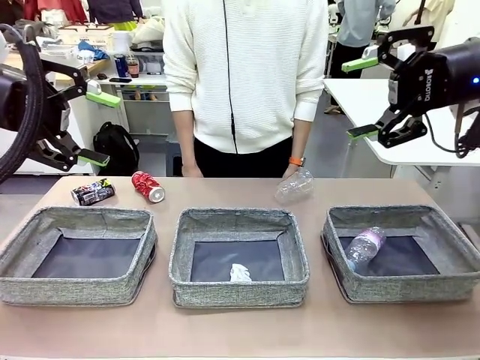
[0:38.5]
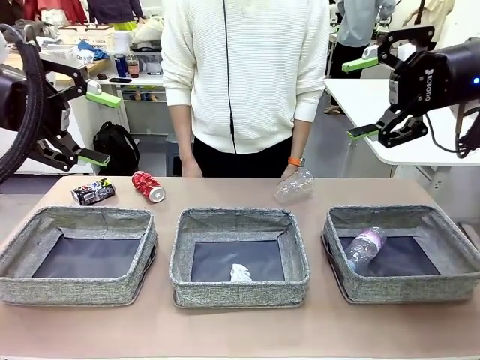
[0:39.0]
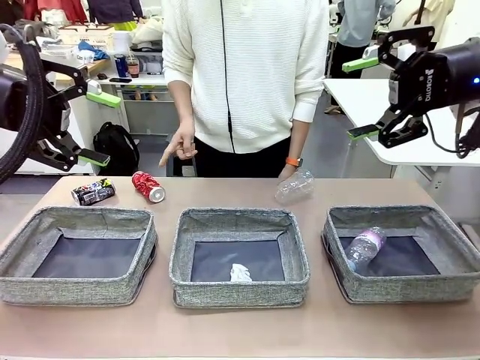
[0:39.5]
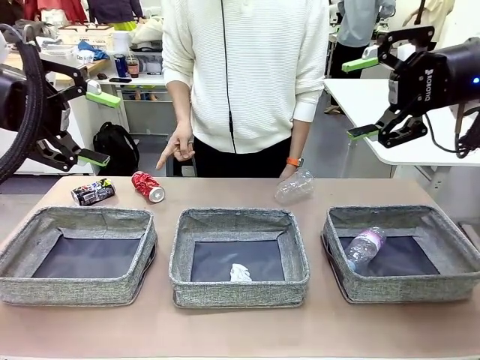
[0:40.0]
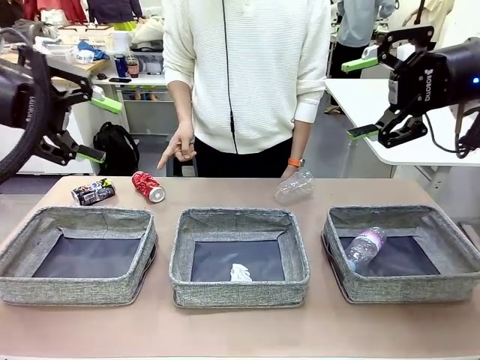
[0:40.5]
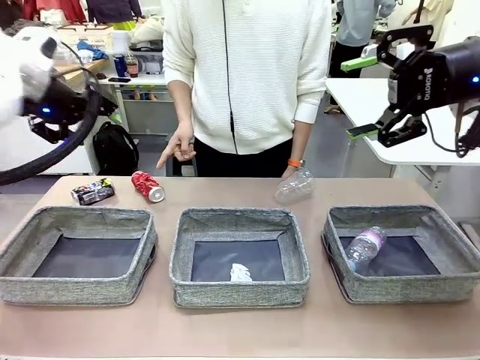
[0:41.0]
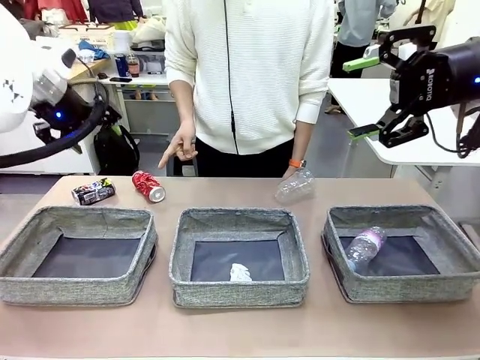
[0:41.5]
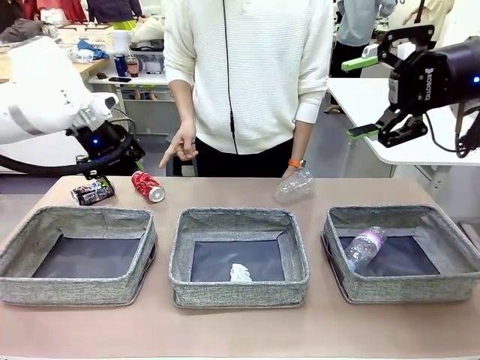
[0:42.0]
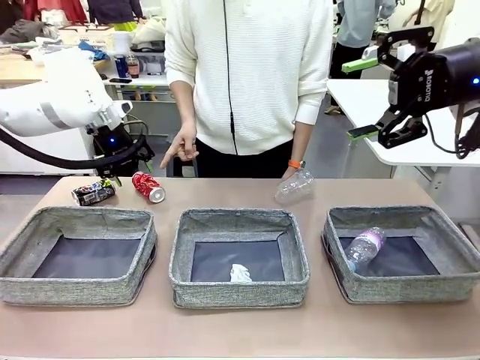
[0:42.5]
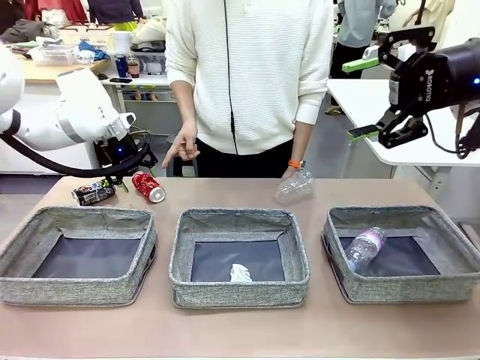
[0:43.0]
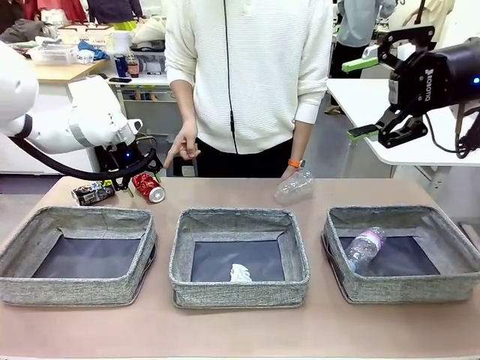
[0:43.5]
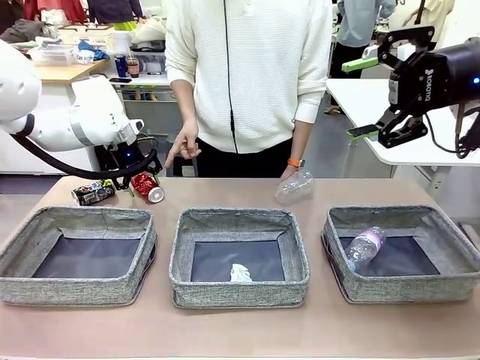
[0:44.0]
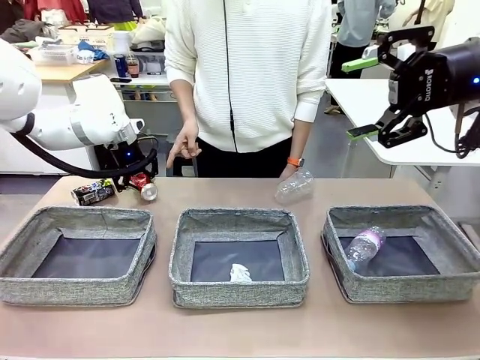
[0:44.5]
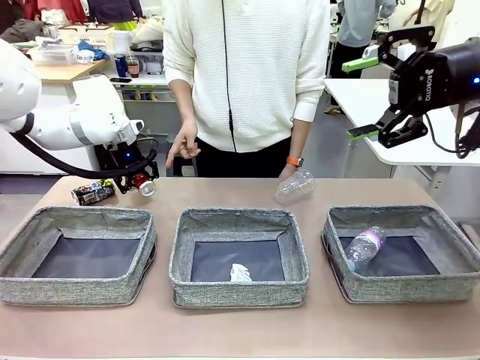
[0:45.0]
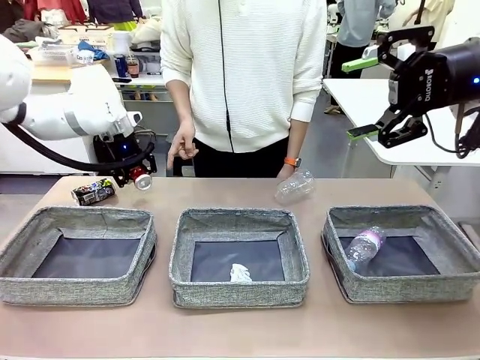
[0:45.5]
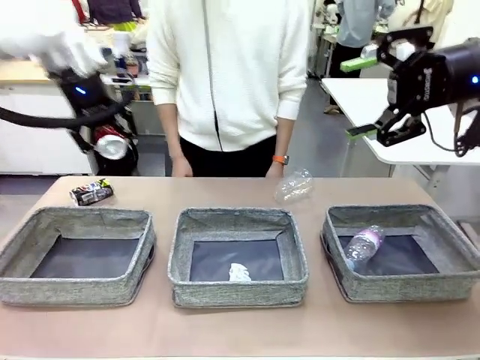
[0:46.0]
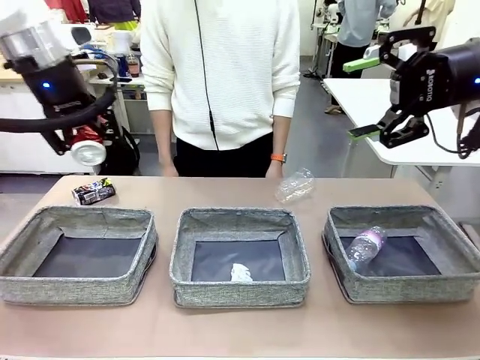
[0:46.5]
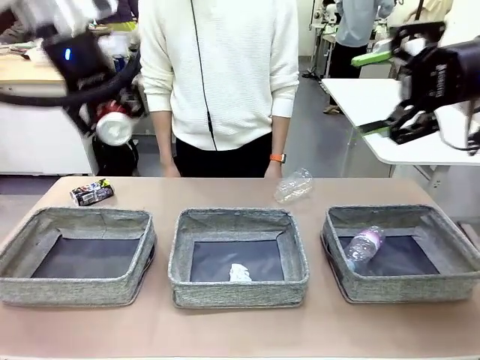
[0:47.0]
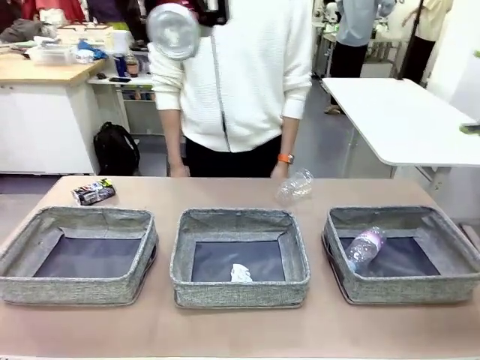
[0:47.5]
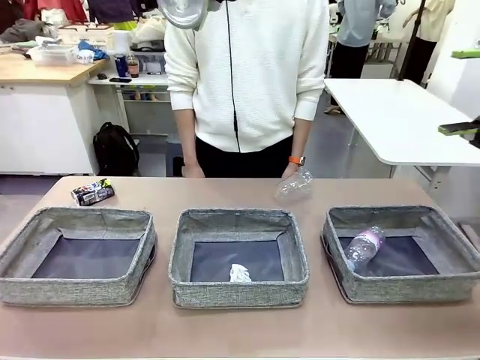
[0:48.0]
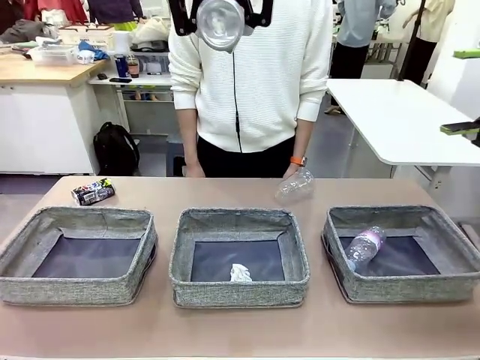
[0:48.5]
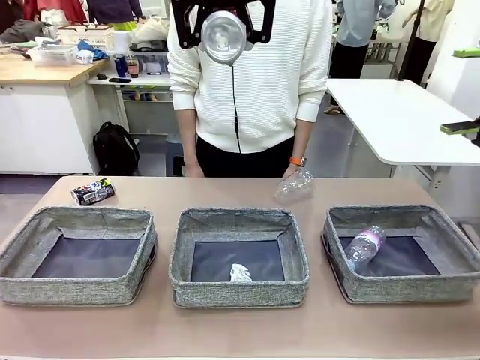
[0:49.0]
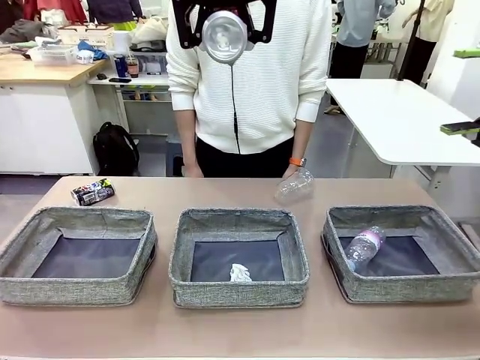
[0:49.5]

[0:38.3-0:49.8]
Task: Sort the waste into the appropriate baskets.
Robot: Pick up the waste item pointed out by the person.
Person: Points to one piece of trash on the table.

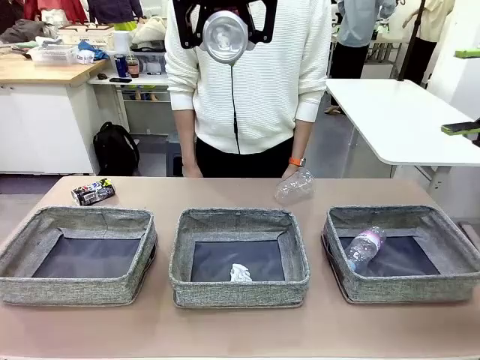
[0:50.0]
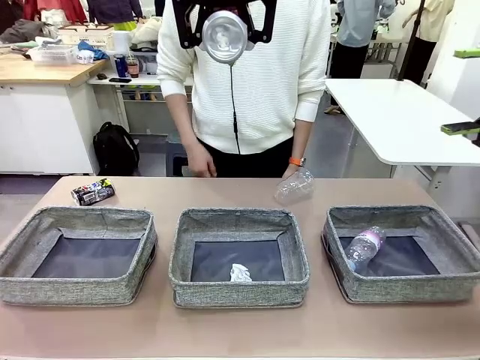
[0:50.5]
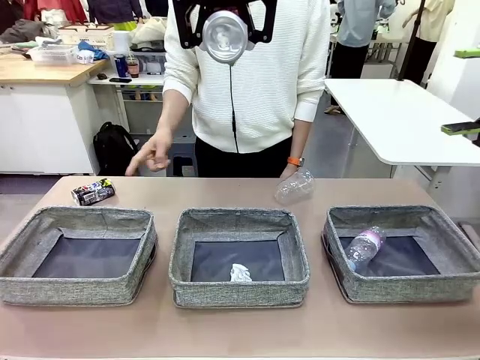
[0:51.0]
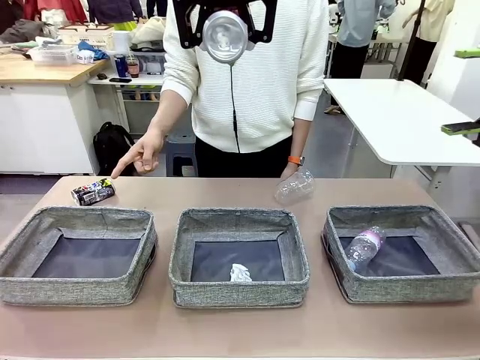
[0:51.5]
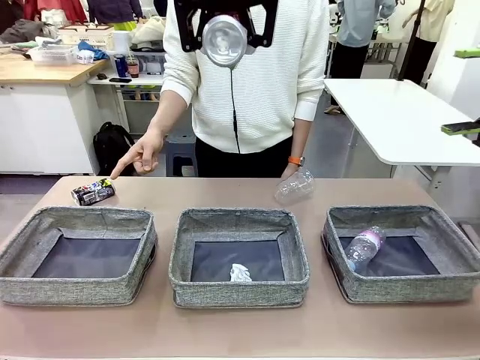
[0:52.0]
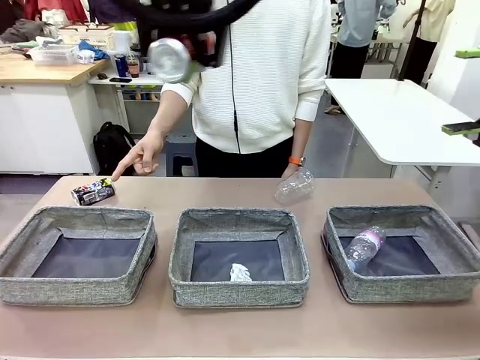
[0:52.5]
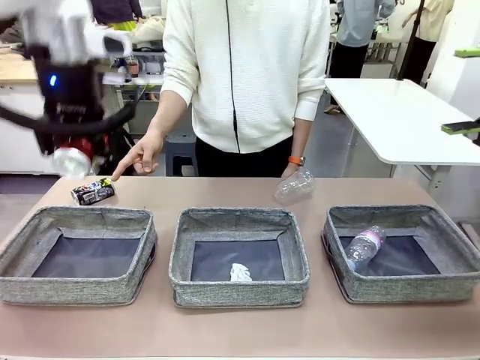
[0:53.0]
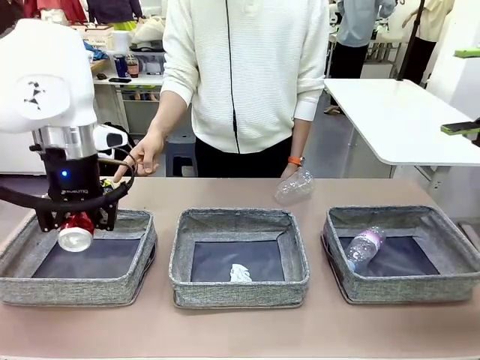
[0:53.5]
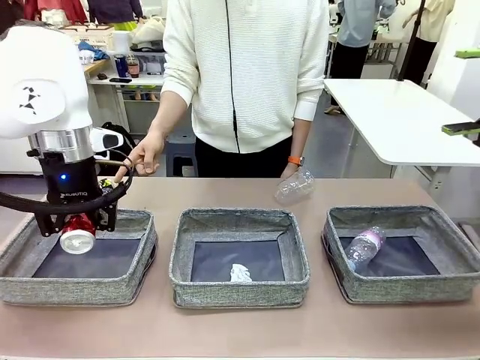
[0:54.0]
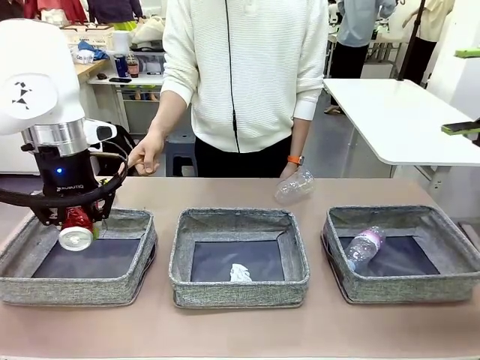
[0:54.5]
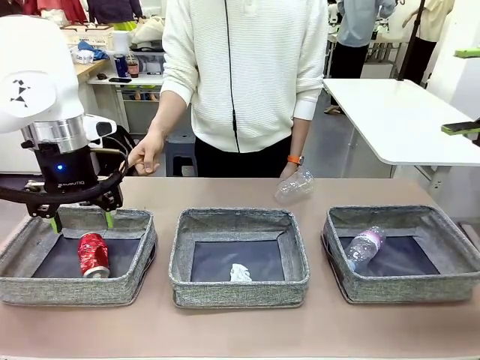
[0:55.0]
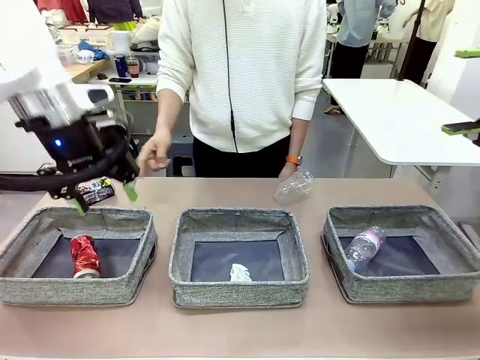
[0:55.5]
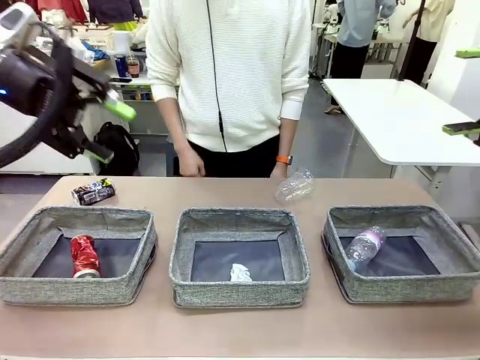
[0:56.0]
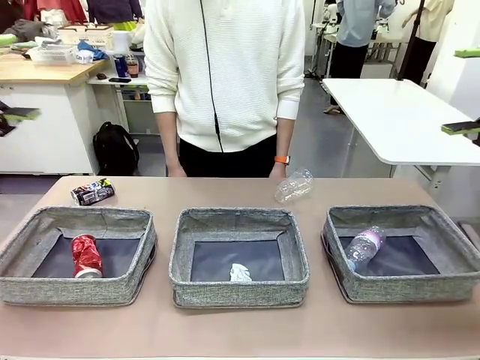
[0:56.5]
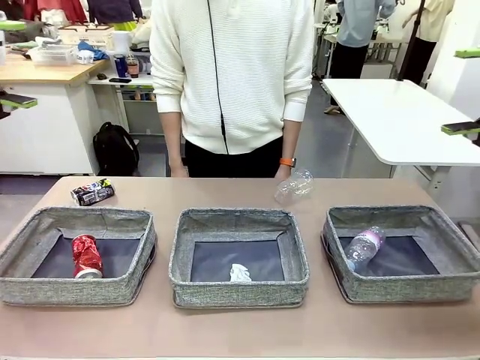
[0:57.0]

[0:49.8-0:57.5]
Robot: Place the picked waste into the Fabric basket indicated by the person.
Person: Instructs the robot to place the picked-up trash into the appropriate organizing basket.

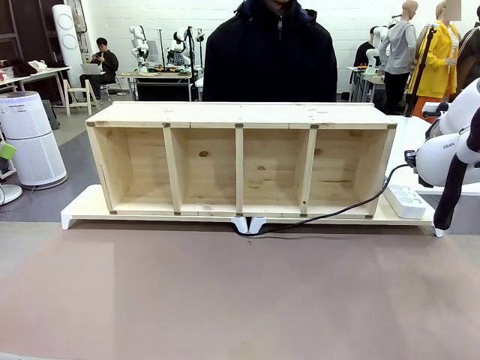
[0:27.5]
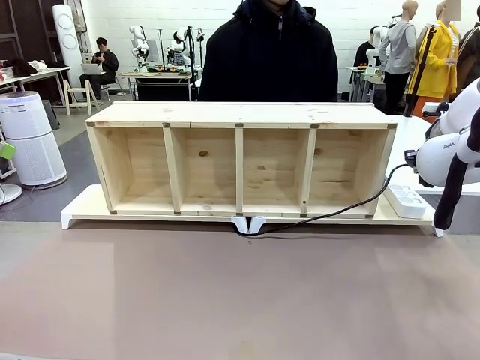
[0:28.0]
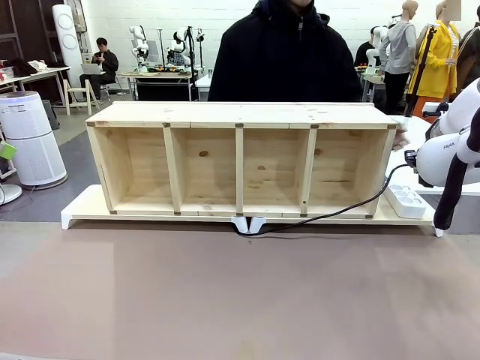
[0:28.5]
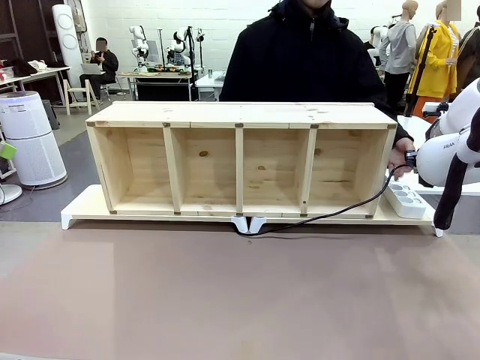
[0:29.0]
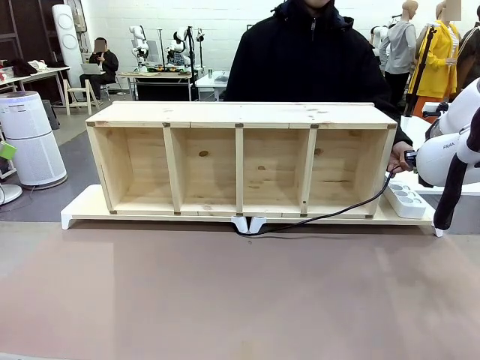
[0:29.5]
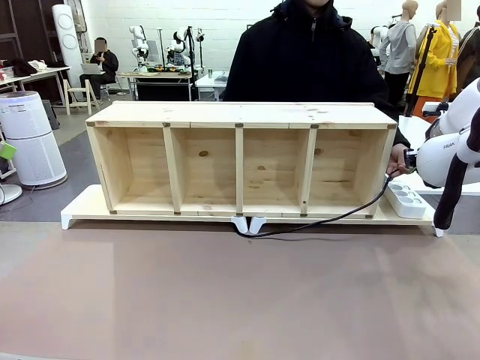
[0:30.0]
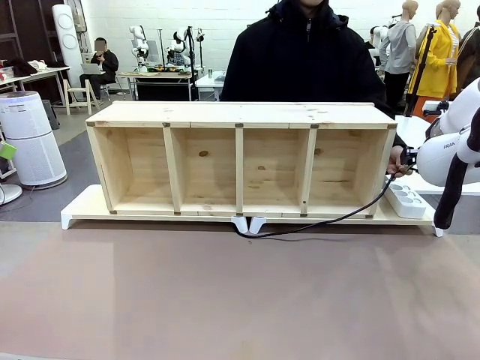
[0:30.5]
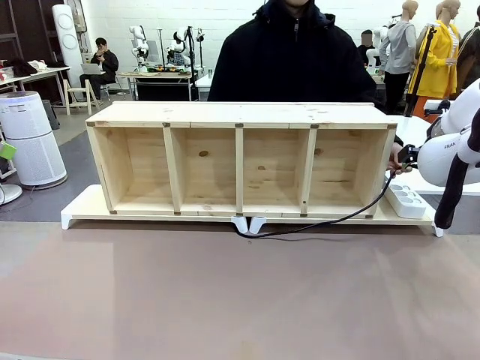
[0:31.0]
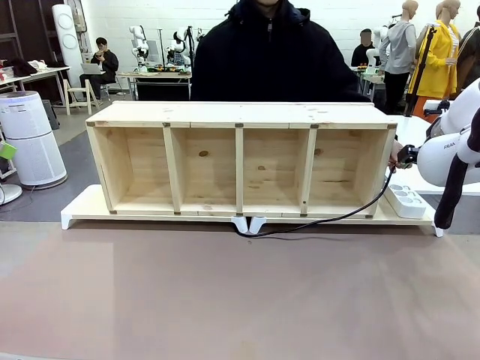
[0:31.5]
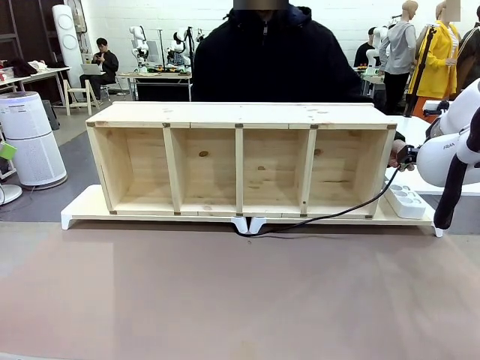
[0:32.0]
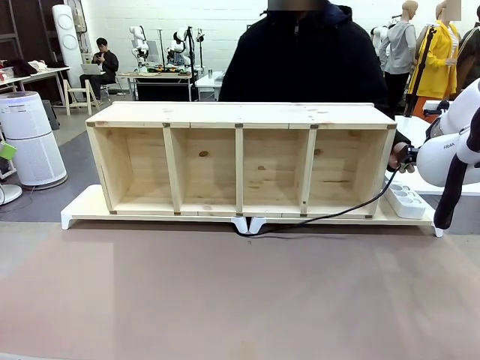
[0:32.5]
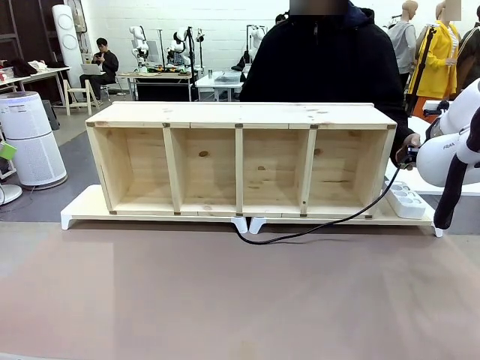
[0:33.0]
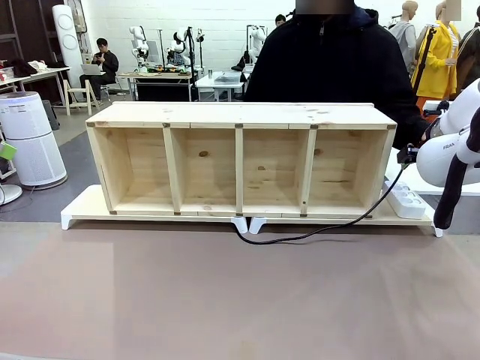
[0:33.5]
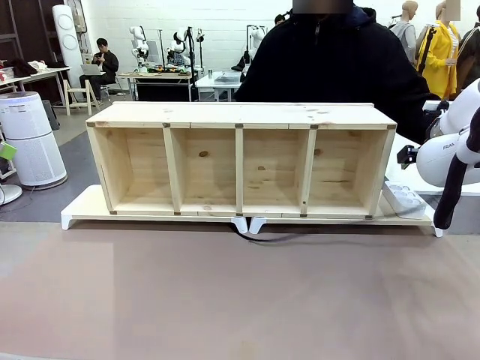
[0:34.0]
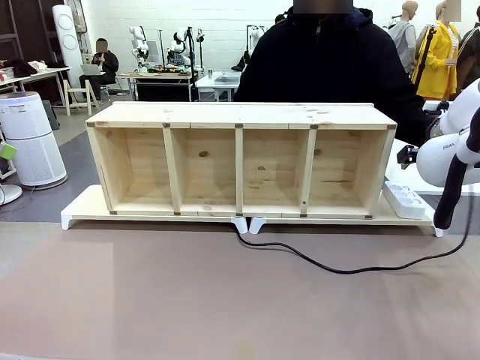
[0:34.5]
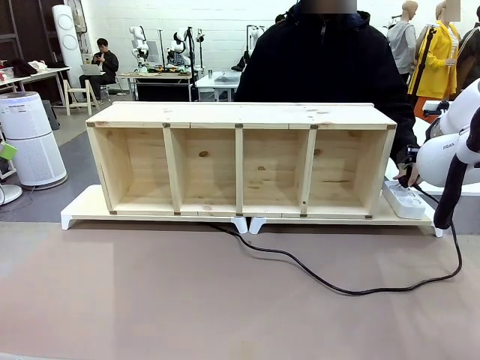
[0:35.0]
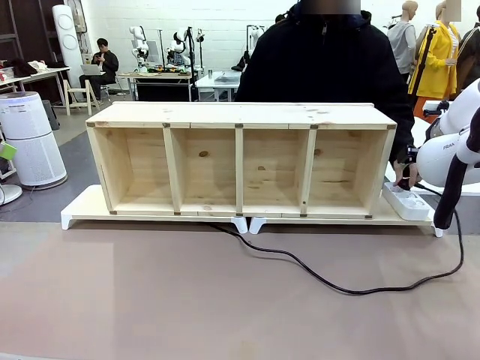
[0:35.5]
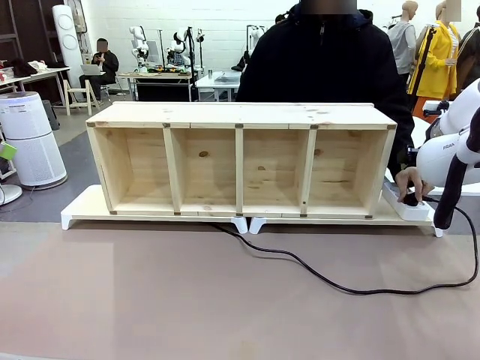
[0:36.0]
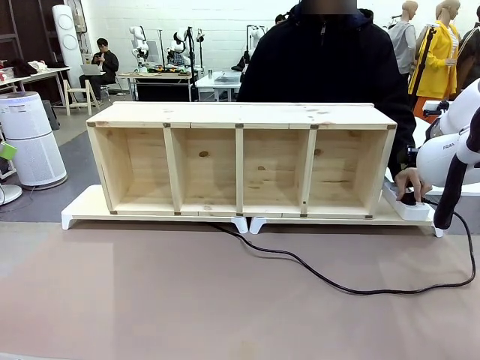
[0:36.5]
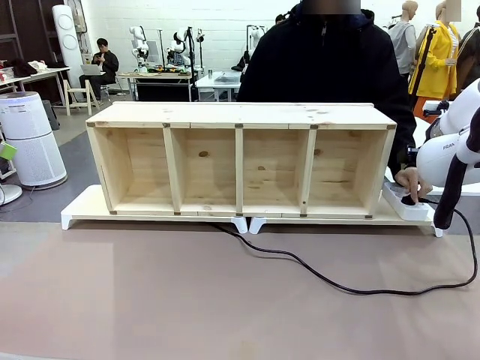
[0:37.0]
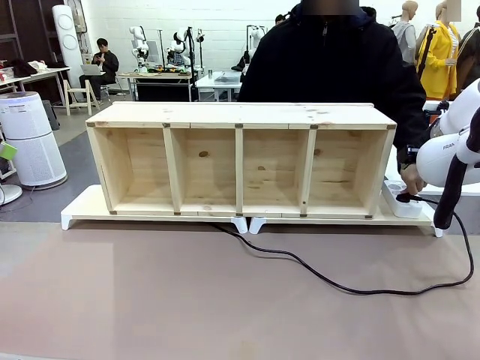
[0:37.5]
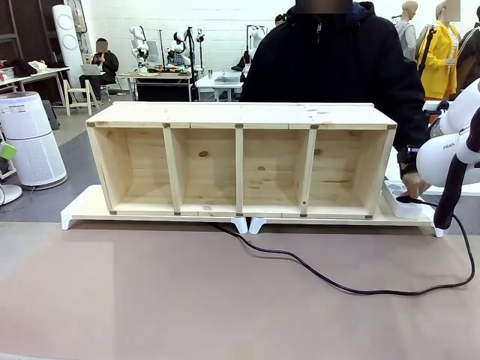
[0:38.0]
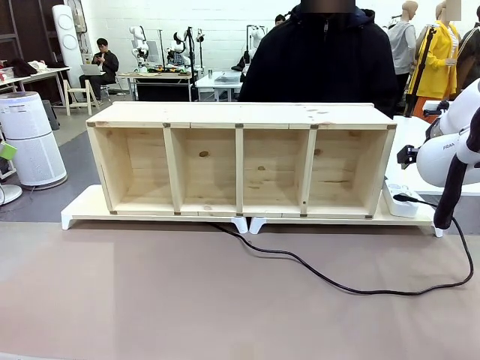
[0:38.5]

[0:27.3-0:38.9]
Task: Perform cable management.
Robot: Release the Power Cable when the human grasps it.
Person: Plug the Power Cable into the Power Strip.
